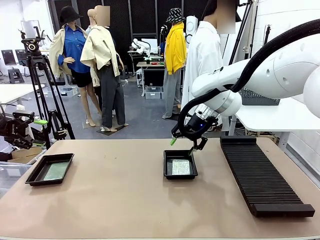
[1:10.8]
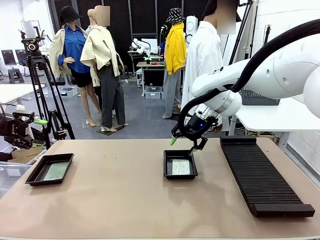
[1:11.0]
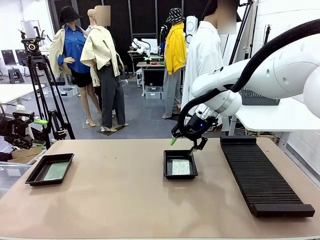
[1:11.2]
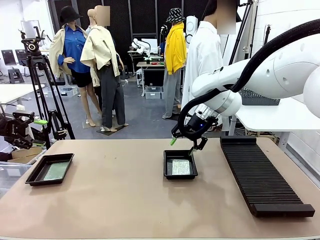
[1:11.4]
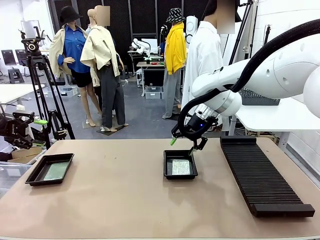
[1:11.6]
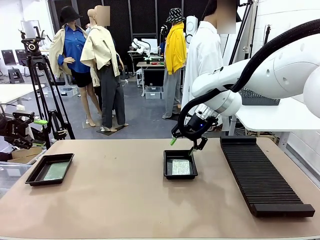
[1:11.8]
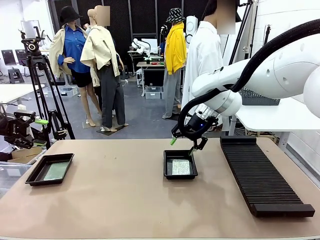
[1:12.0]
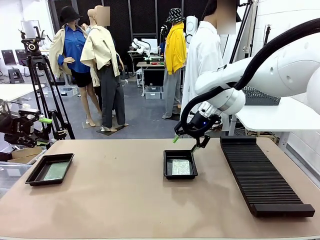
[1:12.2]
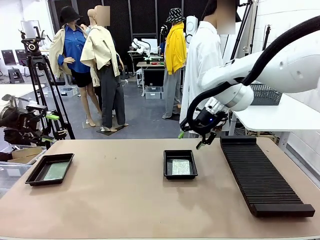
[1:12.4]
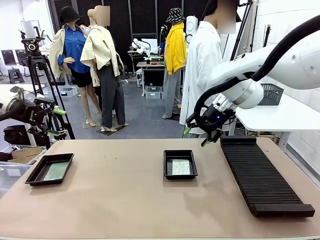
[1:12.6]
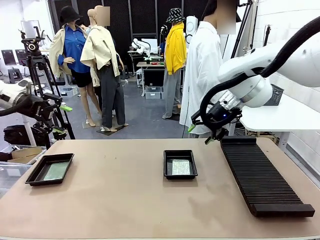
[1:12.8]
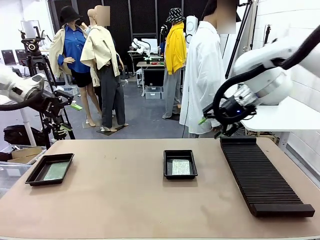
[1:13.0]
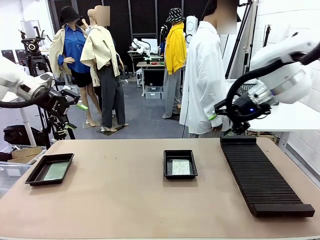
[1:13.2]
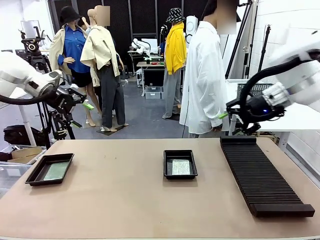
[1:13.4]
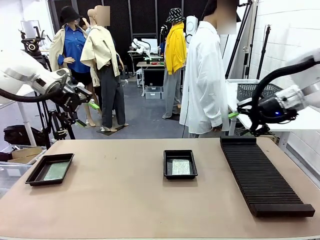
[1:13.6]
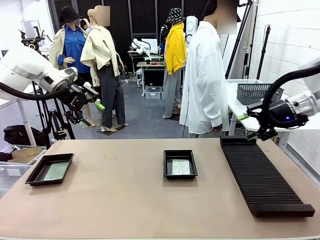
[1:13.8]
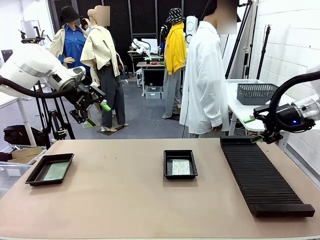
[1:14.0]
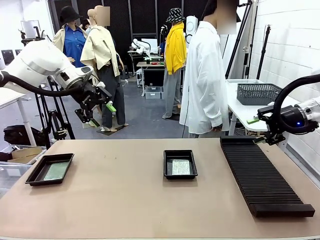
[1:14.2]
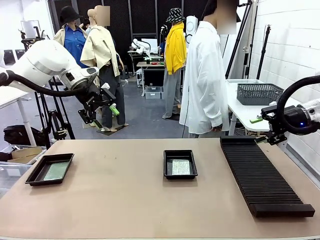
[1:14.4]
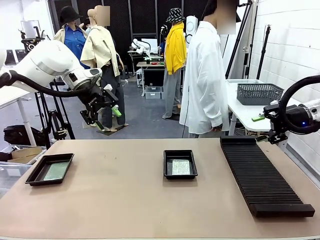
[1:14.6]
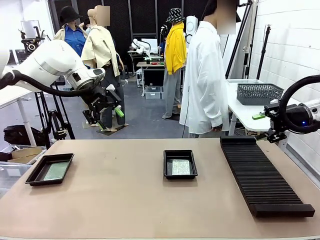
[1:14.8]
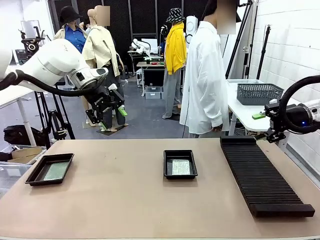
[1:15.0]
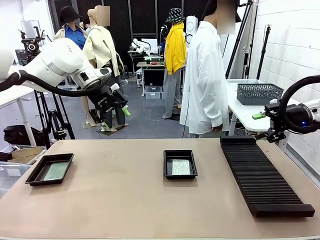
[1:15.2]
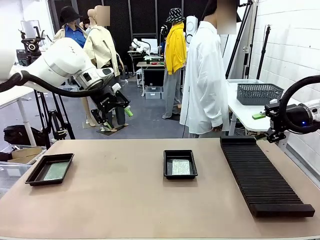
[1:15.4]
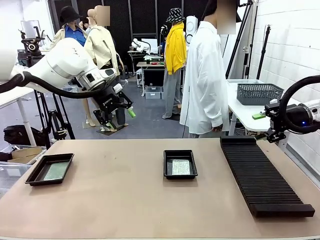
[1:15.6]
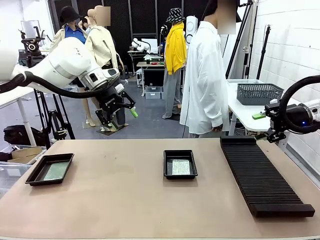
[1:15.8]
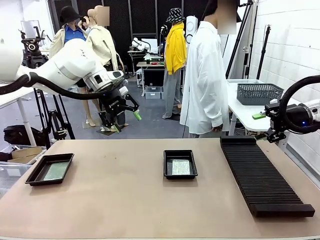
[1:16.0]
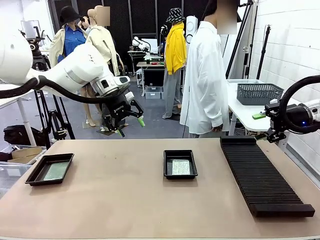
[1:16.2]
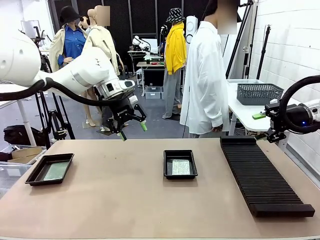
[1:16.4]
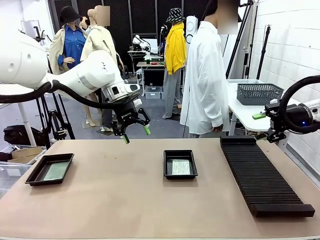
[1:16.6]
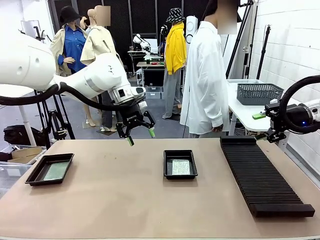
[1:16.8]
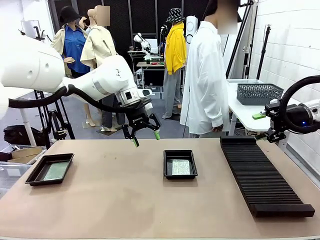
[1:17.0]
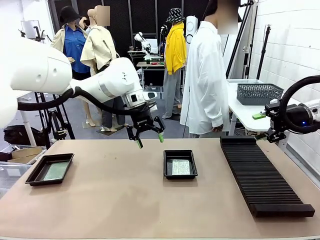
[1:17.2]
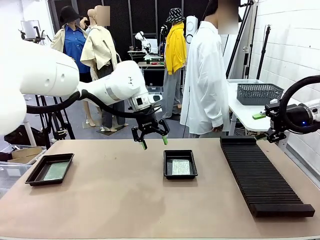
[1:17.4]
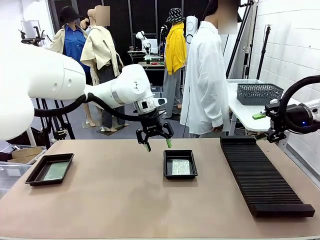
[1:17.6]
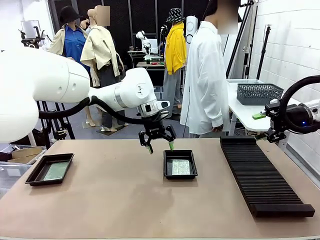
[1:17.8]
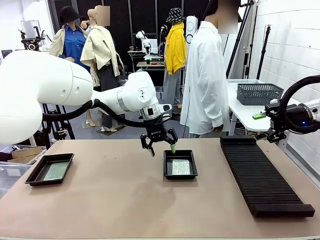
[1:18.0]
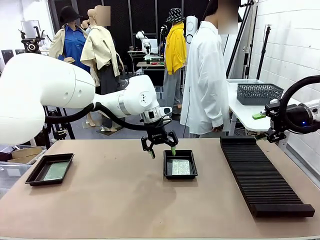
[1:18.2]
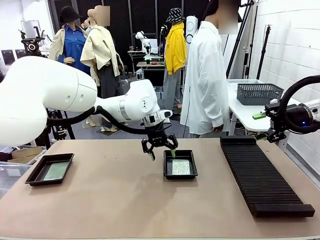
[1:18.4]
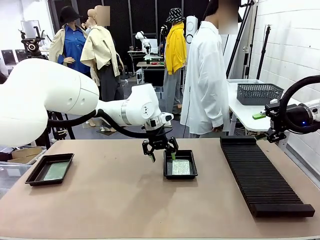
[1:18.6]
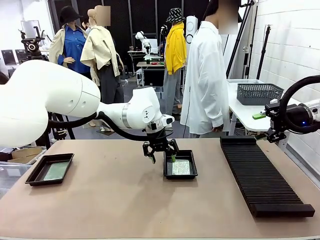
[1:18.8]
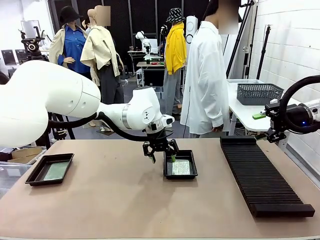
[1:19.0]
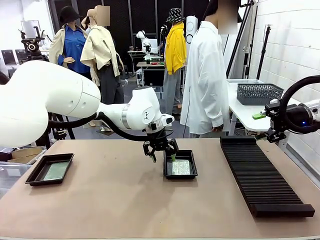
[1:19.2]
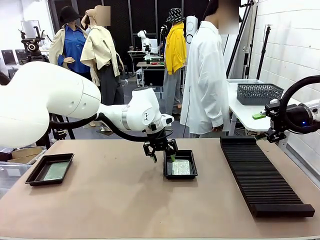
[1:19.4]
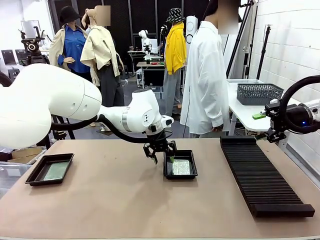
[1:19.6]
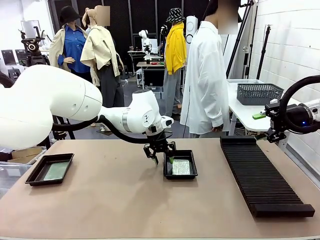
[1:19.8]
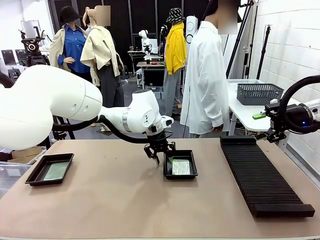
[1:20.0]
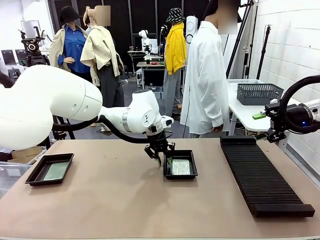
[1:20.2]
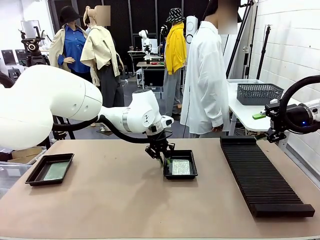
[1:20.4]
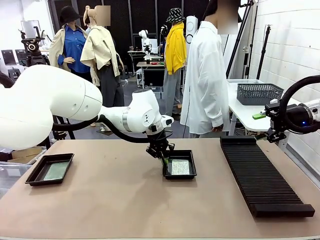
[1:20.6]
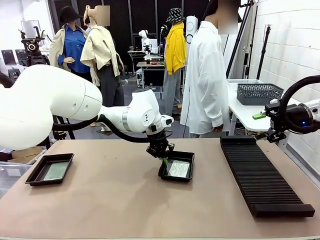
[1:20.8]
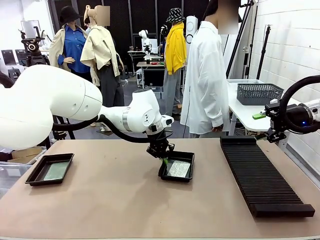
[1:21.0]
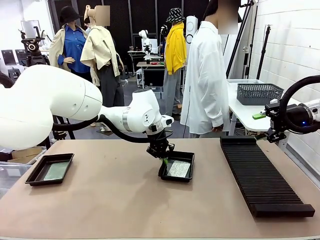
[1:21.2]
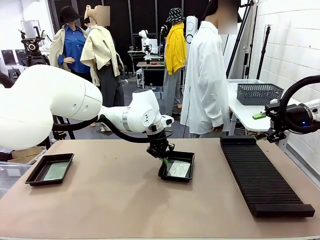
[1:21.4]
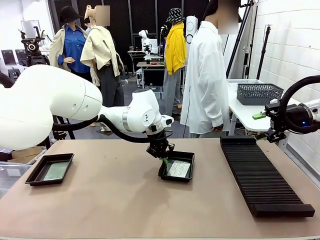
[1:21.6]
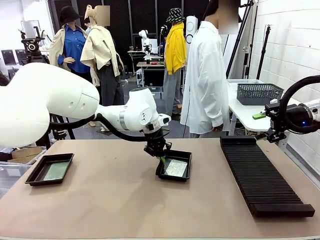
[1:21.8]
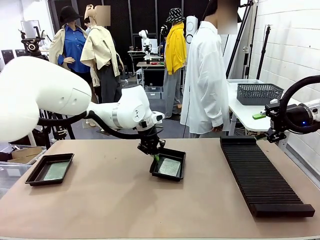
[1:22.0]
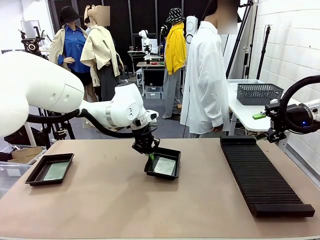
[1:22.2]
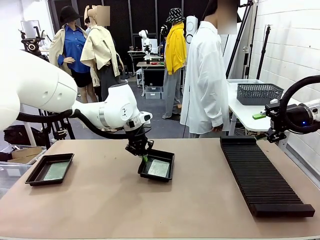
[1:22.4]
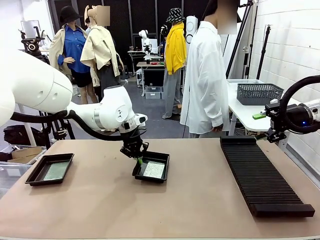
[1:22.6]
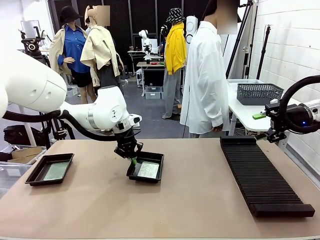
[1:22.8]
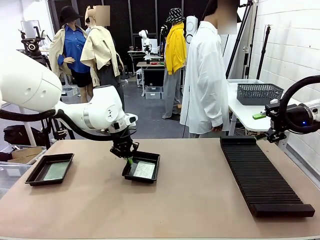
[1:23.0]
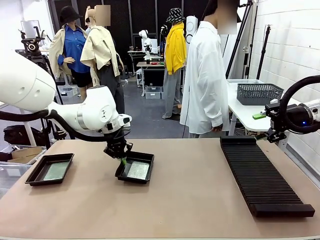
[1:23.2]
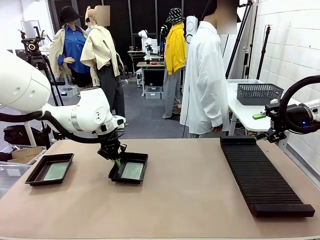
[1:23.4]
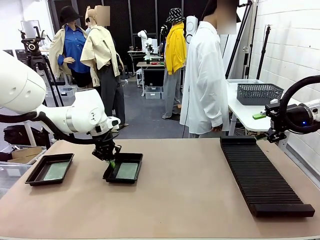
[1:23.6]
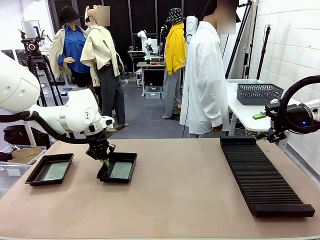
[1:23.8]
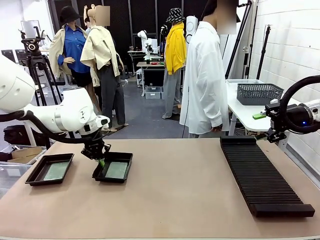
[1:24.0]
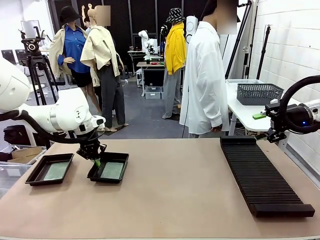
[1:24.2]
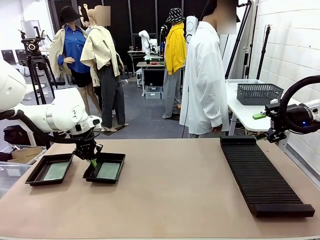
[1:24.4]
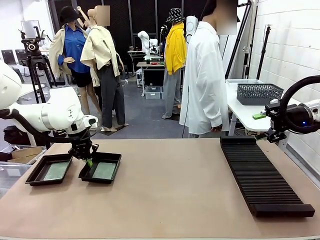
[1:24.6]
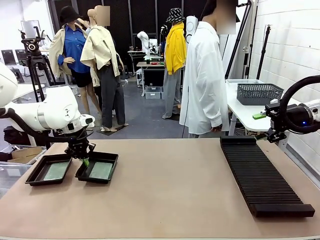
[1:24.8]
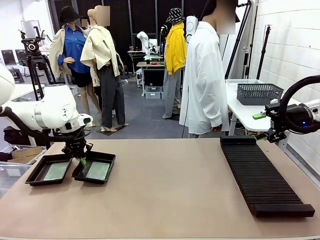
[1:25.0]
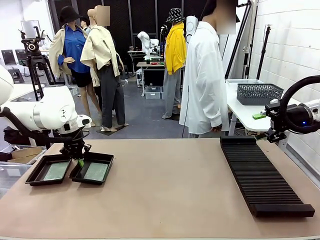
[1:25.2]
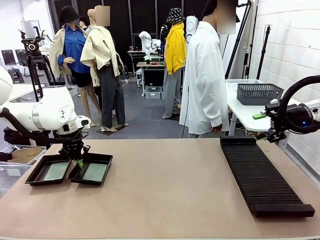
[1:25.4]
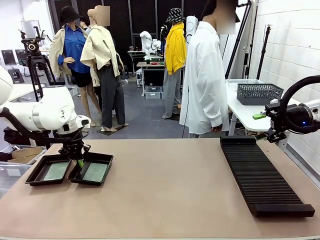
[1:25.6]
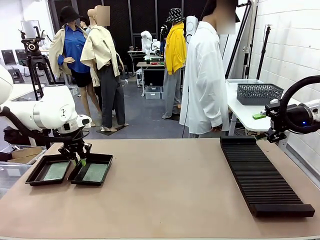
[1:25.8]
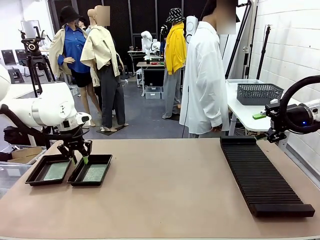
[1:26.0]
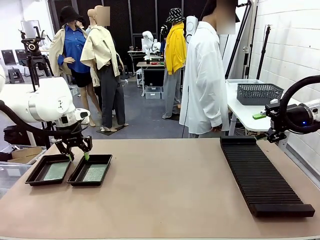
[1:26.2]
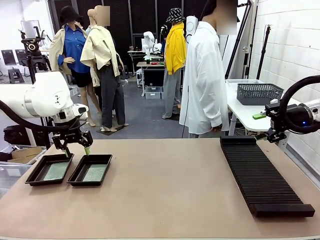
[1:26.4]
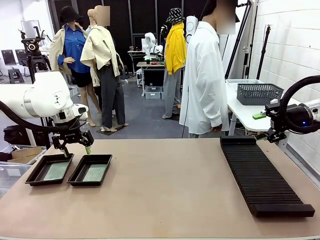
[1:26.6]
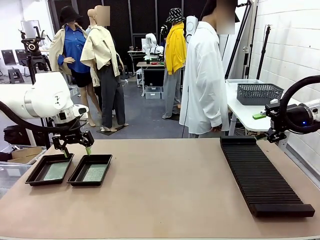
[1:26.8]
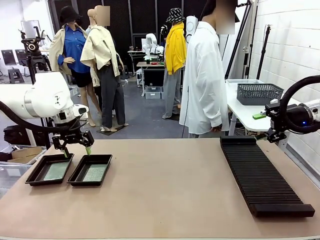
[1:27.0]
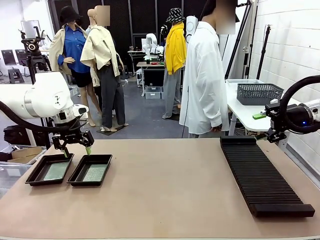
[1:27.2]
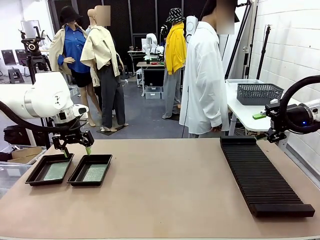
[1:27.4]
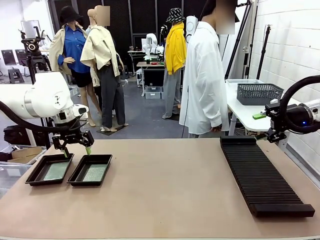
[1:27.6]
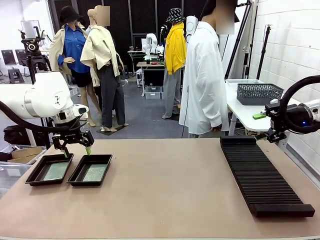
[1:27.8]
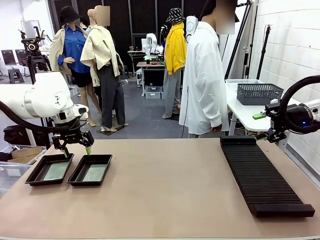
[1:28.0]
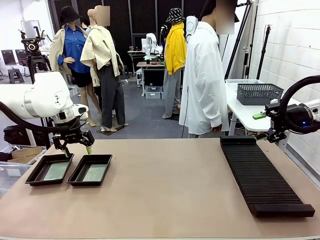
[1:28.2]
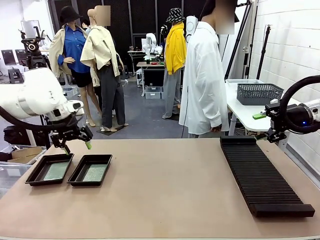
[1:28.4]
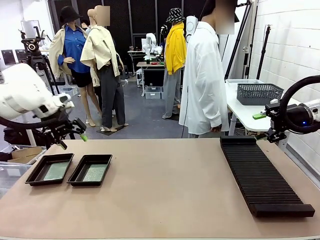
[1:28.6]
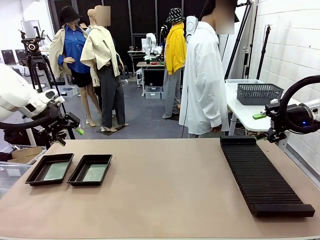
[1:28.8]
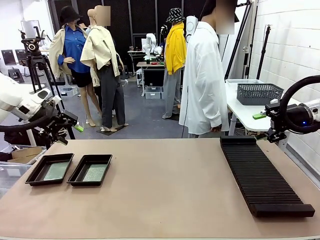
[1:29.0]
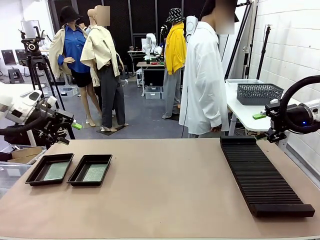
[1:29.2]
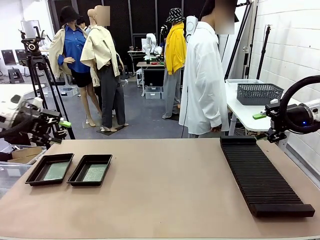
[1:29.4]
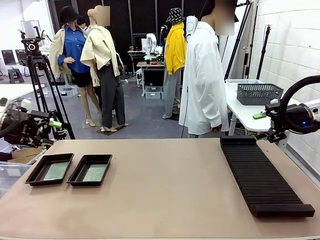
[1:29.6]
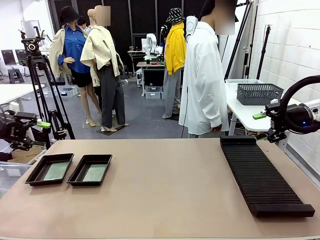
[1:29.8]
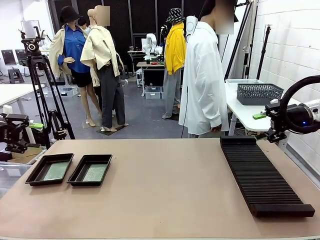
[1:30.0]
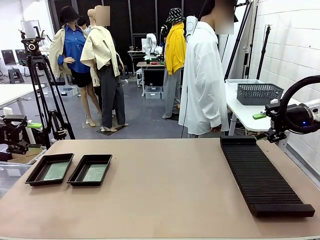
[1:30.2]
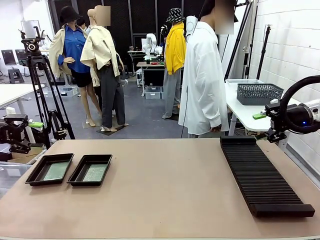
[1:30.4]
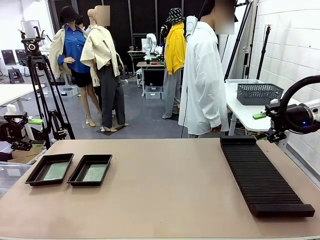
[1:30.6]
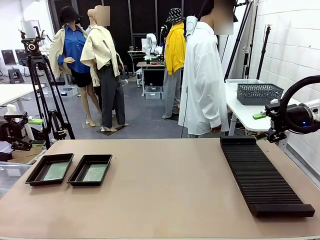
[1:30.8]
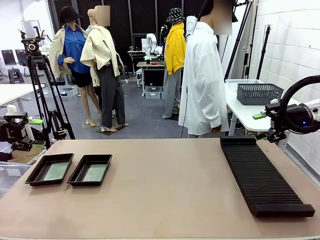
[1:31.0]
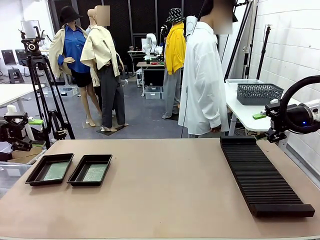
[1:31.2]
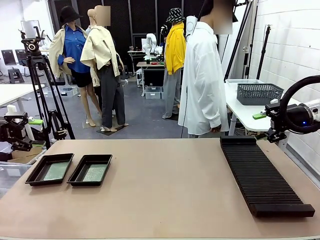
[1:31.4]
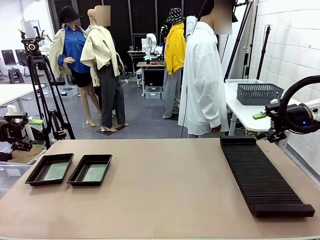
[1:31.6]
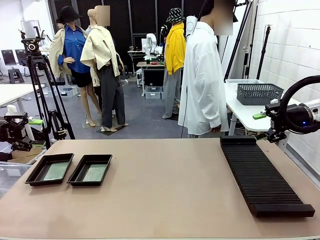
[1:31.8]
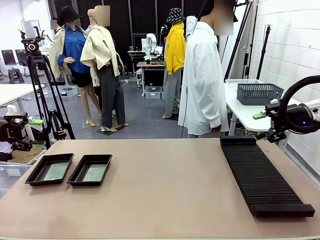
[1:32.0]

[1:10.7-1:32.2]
Task: Inspect and transfer BCBs to ESD trays.
Robot: Pick up the ESD tray and place it on the left side of the table.
